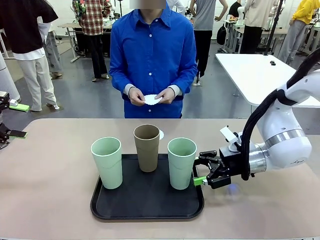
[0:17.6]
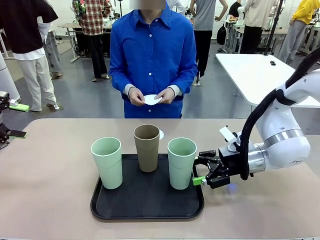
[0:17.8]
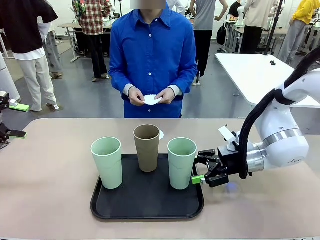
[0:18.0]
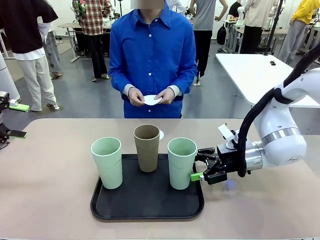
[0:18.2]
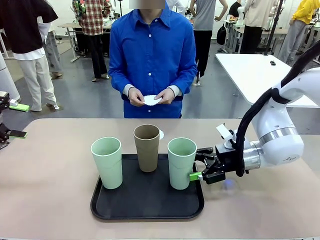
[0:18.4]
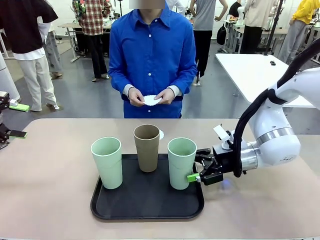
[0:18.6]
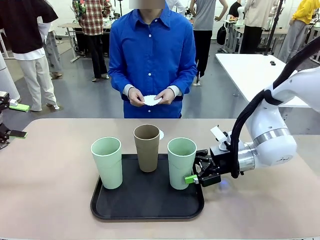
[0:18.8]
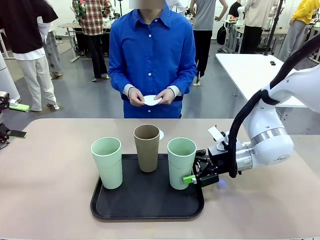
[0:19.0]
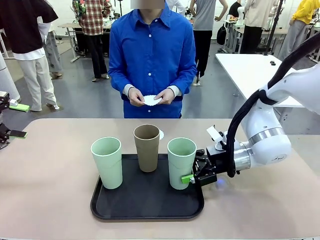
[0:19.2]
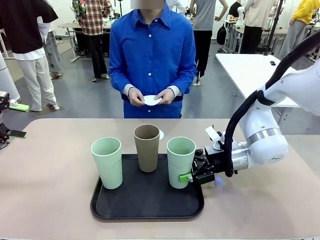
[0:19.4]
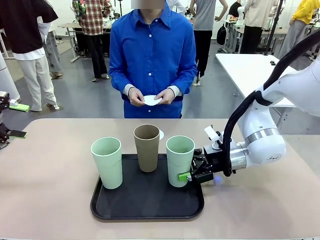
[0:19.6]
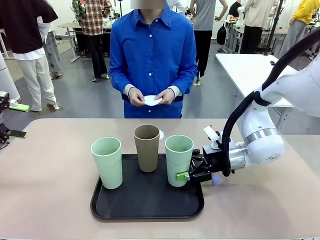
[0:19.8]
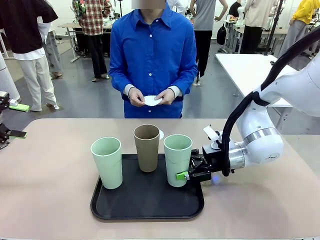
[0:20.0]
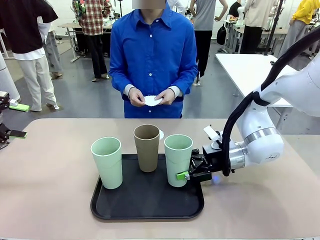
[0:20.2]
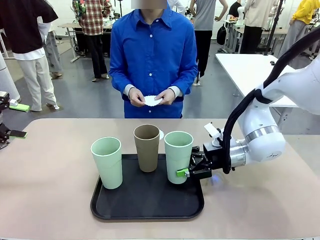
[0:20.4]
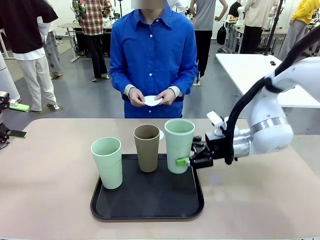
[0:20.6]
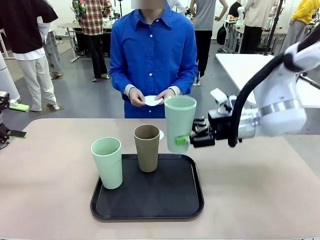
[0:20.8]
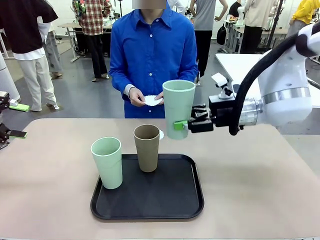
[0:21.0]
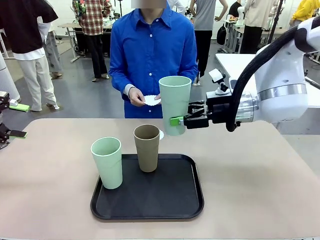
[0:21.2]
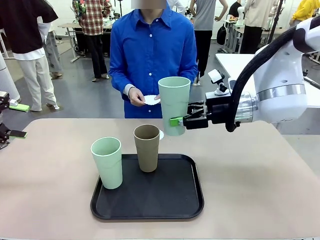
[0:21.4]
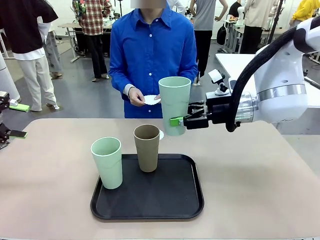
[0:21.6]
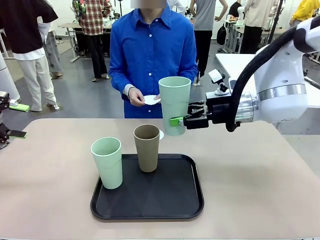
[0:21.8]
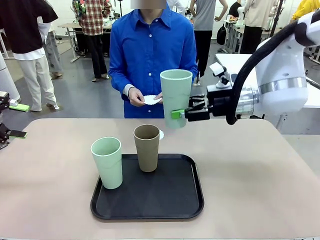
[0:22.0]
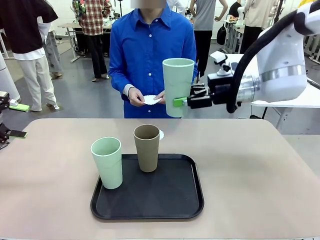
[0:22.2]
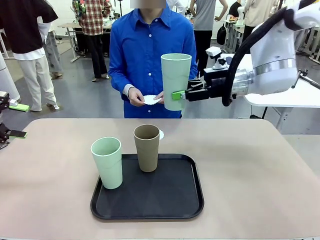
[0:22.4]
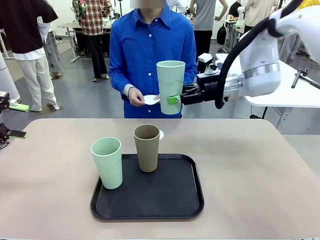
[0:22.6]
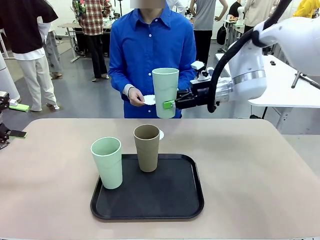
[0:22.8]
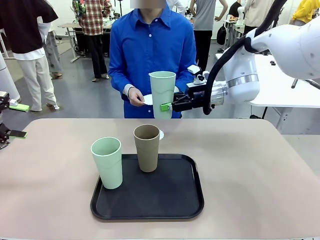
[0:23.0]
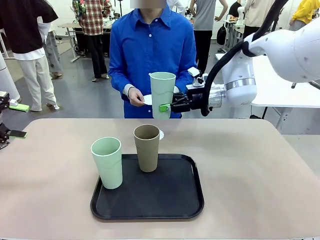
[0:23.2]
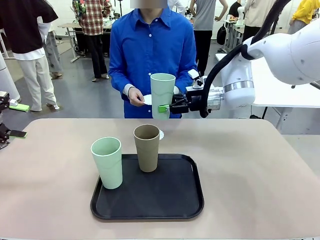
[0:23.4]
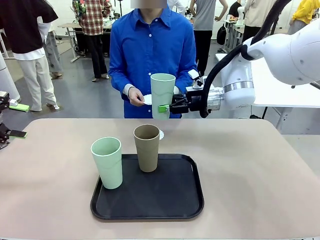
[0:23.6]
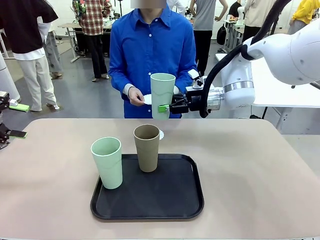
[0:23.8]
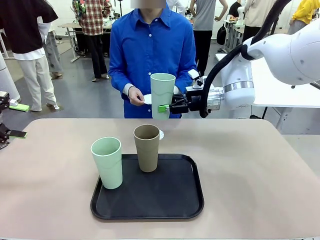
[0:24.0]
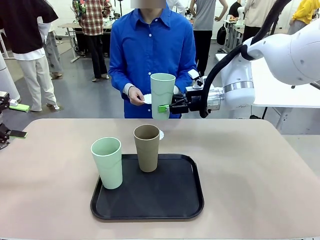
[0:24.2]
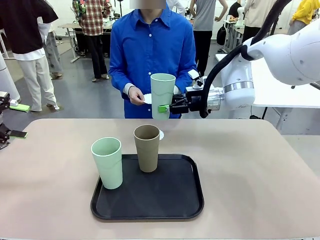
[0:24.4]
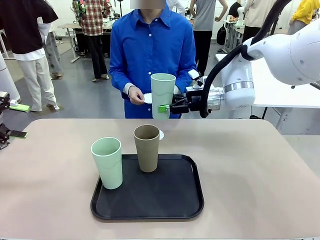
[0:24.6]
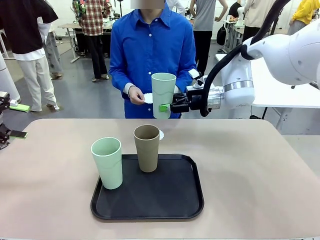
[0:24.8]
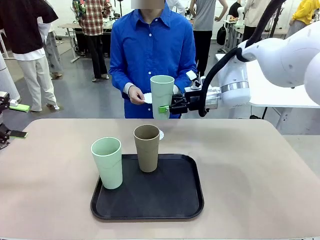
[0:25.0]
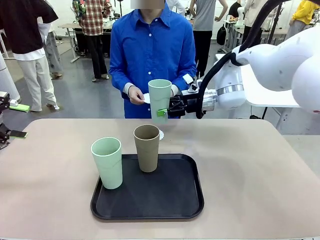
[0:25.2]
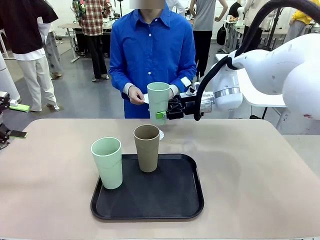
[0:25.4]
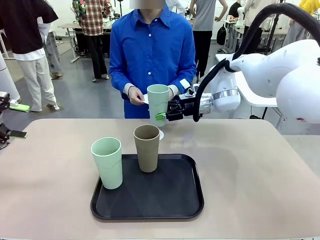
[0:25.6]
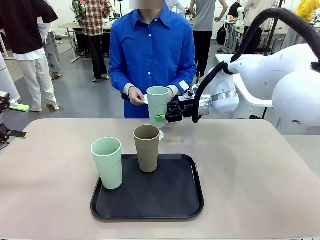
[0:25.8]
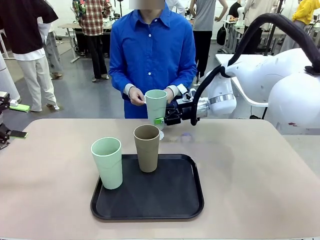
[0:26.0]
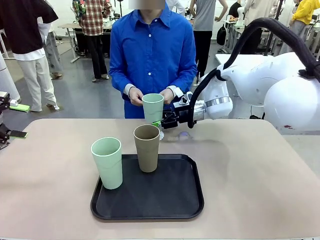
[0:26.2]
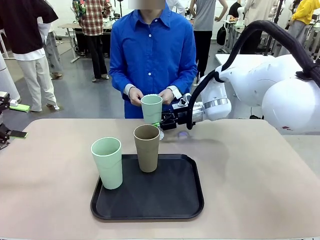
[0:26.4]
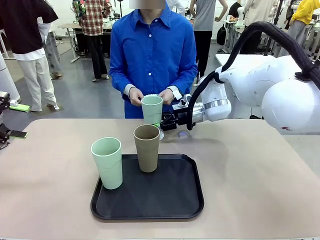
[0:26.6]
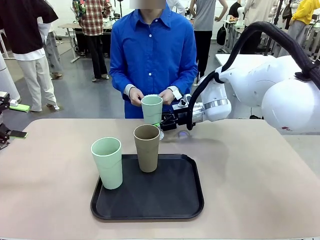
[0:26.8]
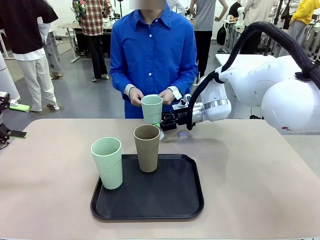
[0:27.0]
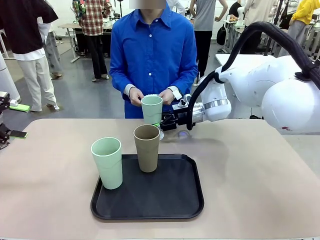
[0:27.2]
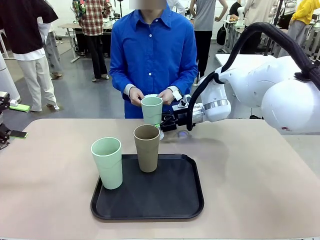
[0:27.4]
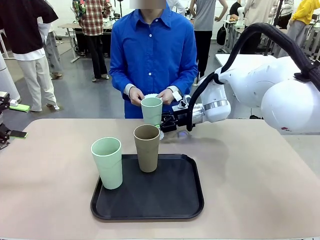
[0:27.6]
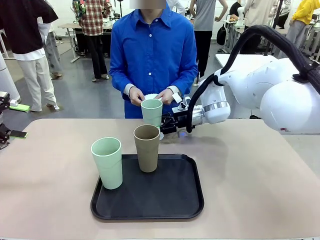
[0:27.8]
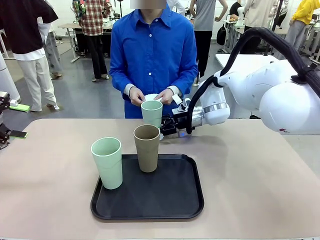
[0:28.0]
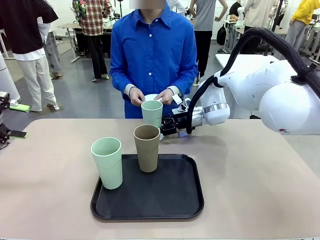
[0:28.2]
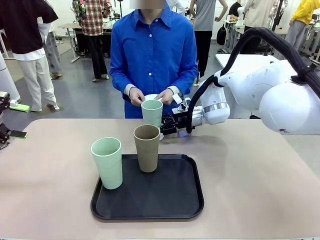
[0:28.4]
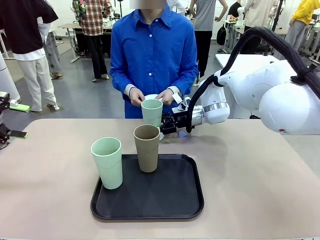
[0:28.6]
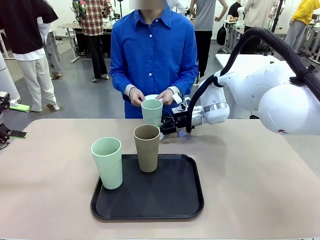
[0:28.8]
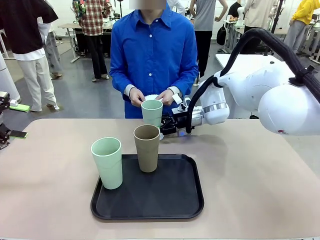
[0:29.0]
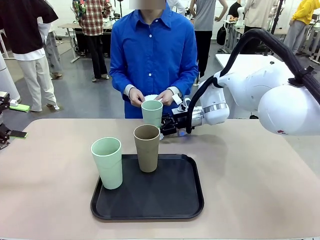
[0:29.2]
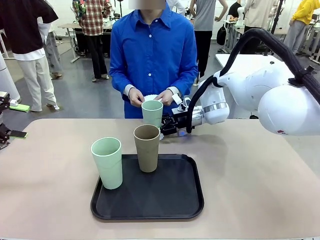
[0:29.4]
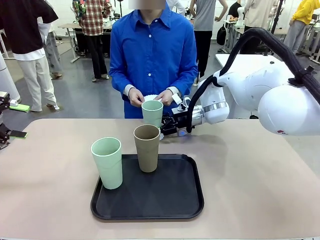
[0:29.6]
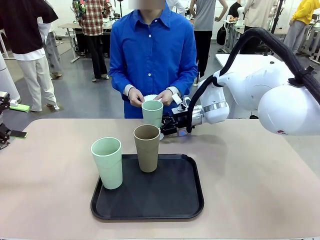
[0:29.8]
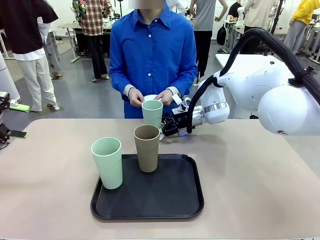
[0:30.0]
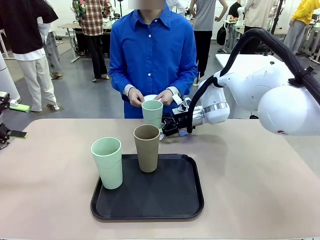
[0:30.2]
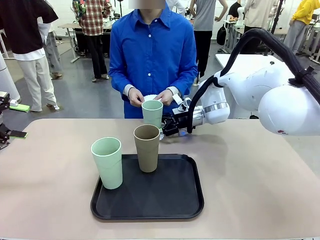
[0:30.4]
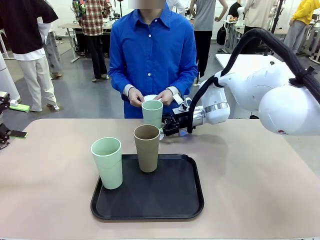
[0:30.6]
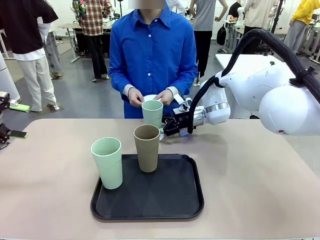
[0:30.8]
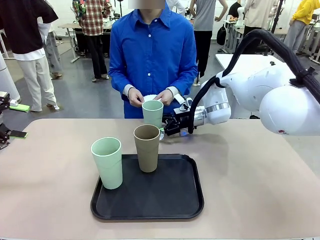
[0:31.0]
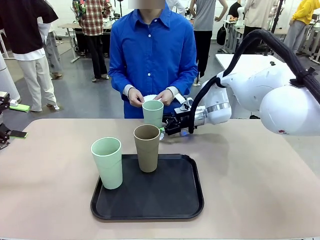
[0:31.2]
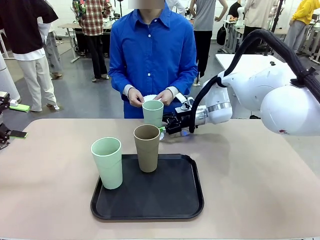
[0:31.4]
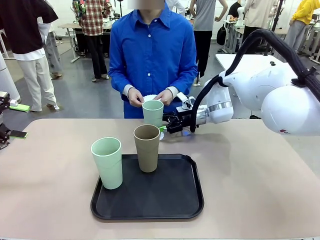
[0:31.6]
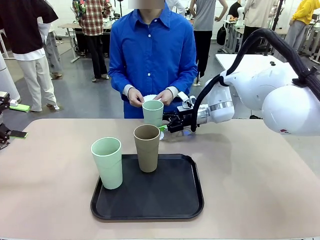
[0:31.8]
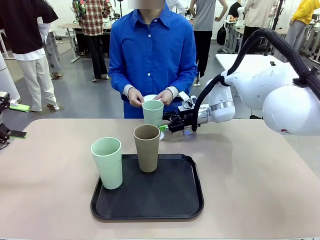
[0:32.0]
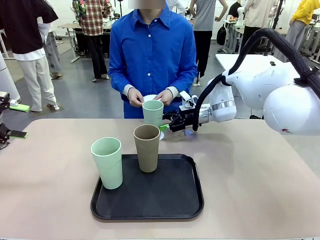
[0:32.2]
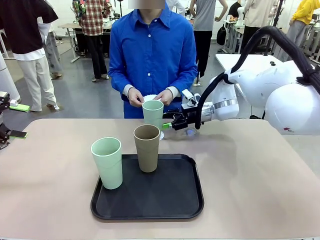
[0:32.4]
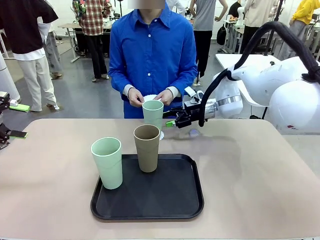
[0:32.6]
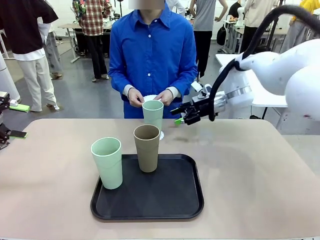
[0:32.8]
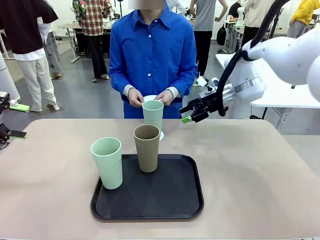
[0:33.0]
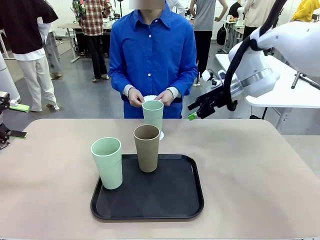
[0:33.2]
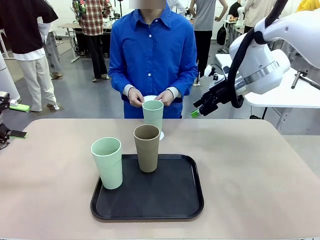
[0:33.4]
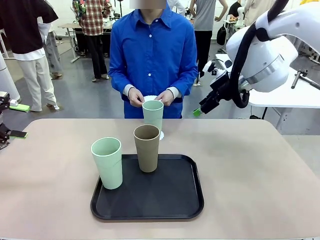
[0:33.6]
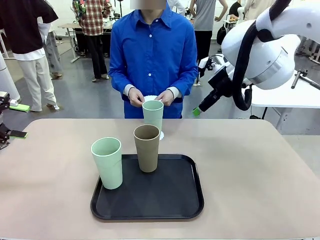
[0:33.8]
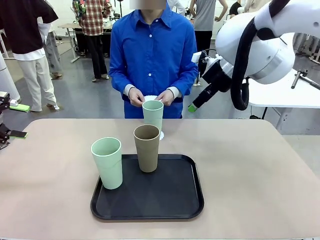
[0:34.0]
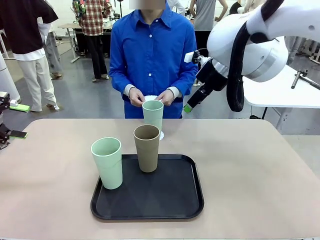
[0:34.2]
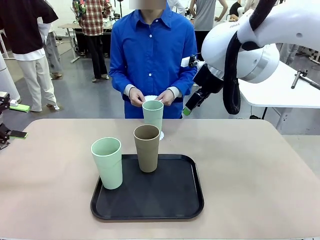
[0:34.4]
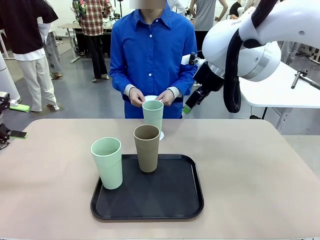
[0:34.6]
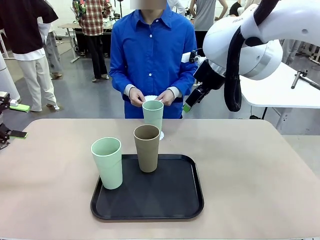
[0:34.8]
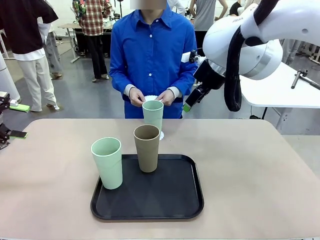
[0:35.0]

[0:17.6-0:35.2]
Task: Place coasters on the table and set cups on them.
Robot: Pick up one Reusable plastic cup and place it on a coaster set by the human.
Person: Place one coaster in one of the two areas excluding the previously selected area.

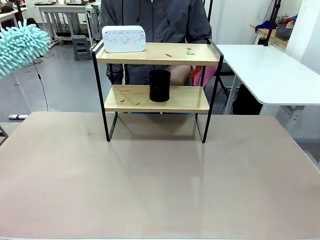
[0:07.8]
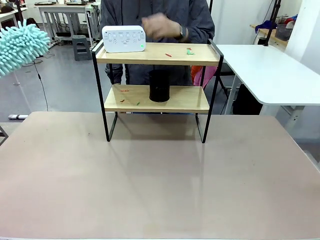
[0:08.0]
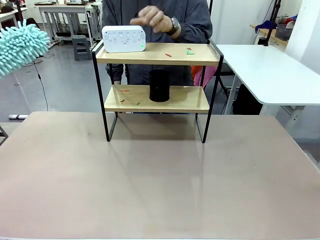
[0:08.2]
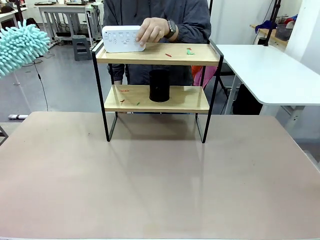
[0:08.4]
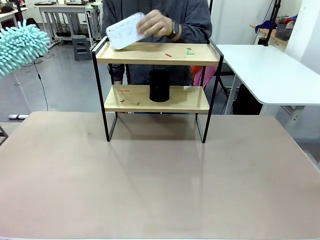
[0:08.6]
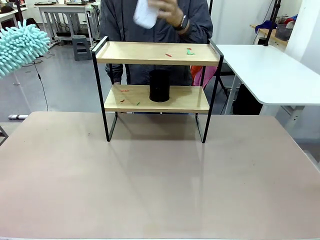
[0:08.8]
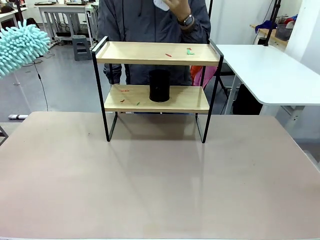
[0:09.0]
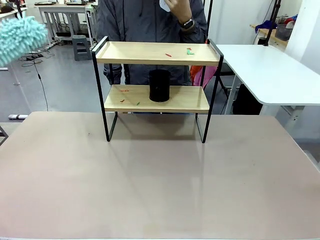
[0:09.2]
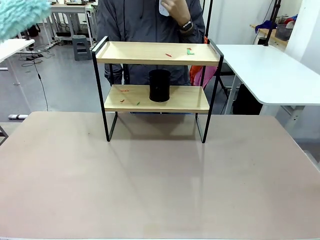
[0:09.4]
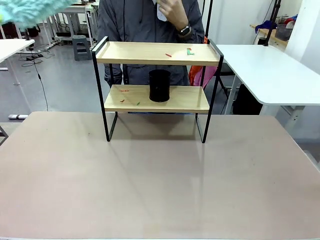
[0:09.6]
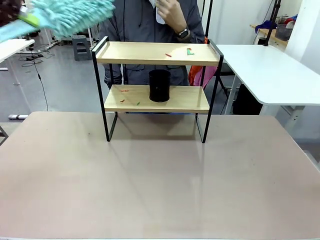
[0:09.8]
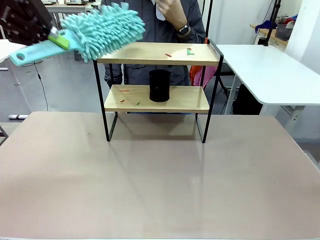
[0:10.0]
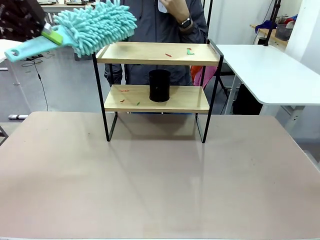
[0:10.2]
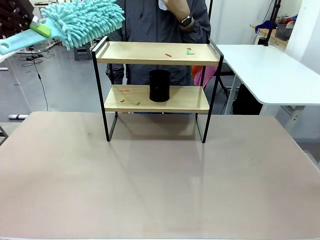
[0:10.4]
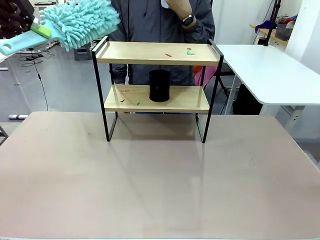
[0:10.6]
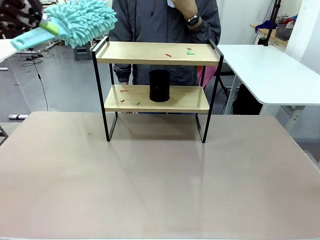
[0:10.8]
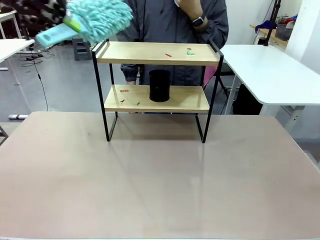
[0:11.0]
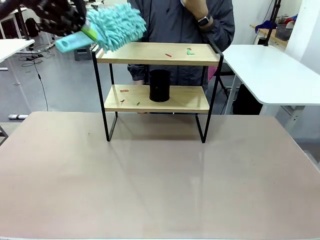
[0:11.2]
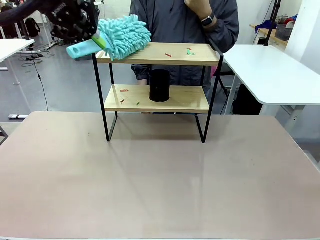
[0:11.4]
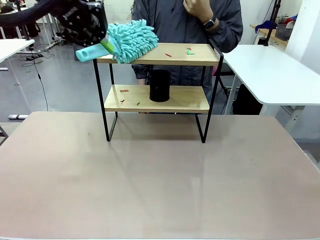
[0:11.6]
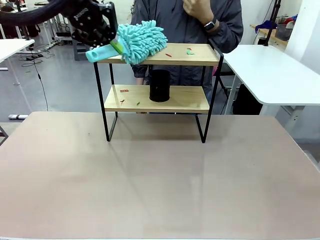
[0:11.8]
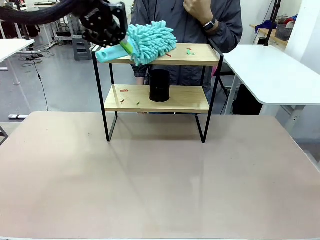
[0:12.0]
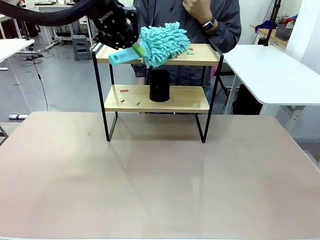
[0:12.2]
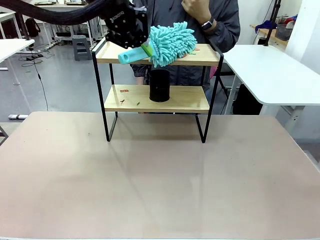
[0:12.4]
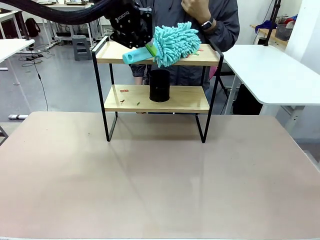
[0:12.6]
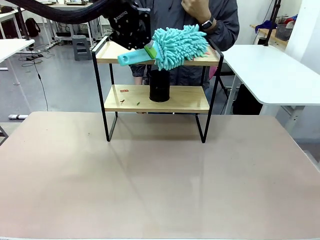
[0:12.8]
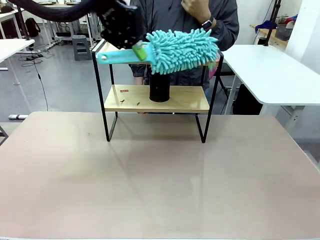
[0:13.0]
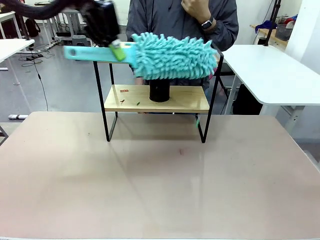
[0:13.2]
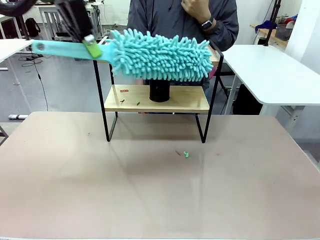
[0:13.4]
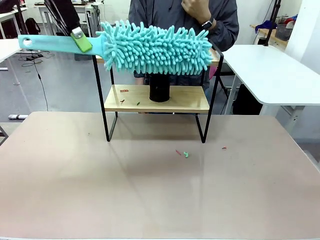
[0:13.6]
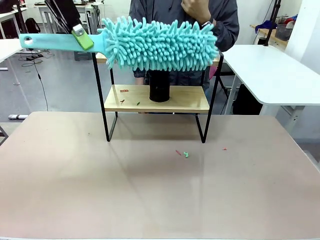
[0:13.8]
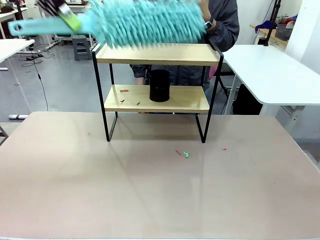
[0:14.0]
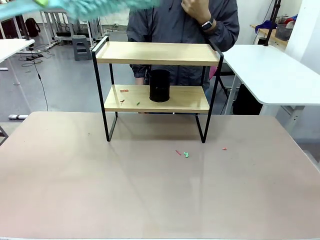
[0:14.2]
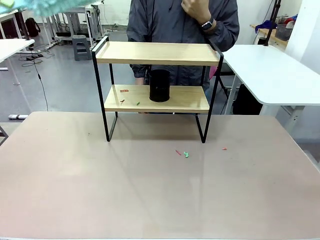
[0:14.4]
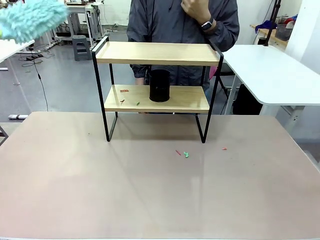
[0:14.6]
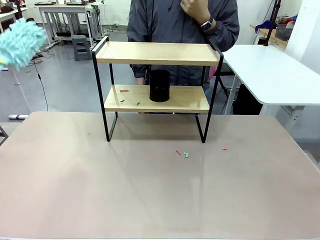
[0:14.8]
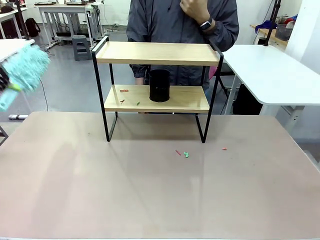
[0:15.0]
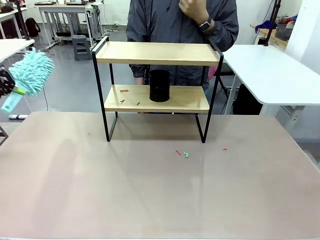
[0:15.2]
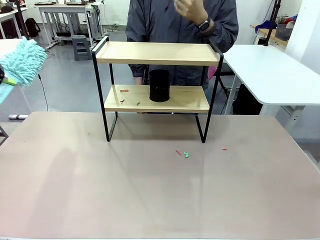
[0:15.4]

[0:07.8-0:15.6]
Task: Clean the shelf.
Robot: Clean the specific tier of the Shelf with the Duster once objects are removed.
Person: Lift the objects on a randomly selected tier of the Shelf. Once the robot finishes cleaning, lift the objects on the remaining tiers of the Shelf.
